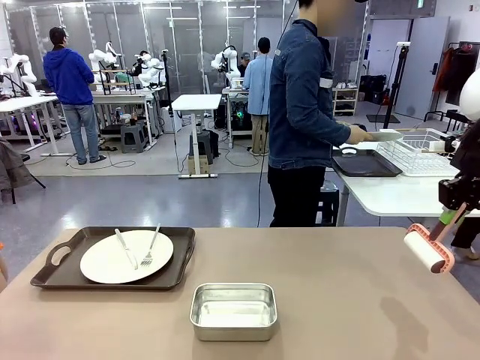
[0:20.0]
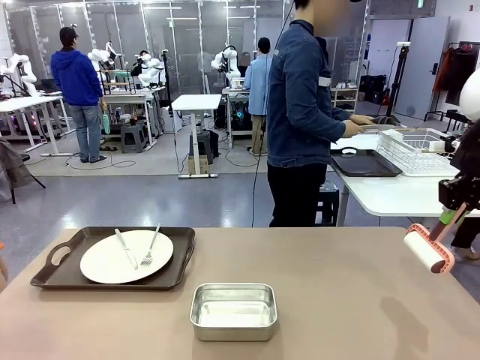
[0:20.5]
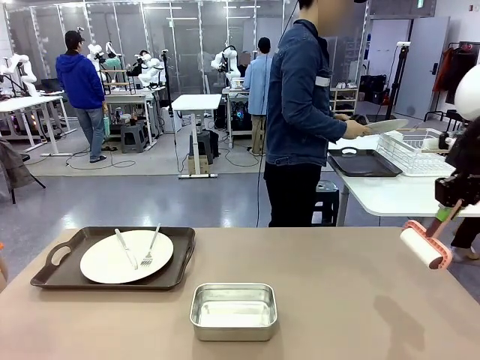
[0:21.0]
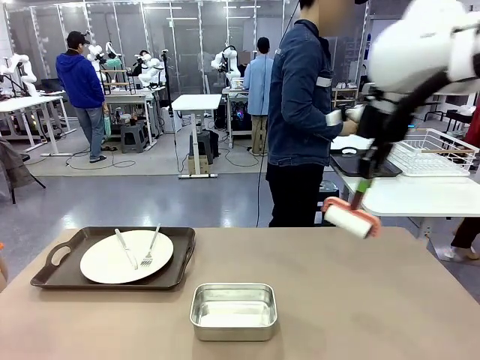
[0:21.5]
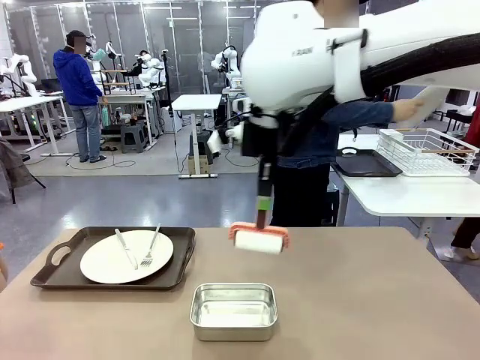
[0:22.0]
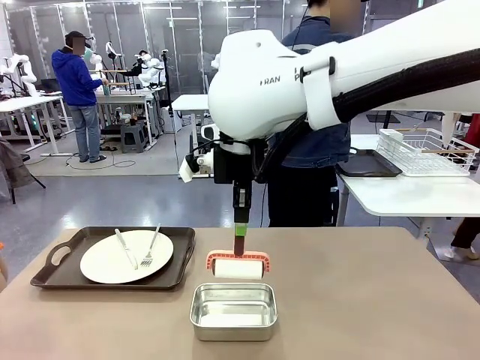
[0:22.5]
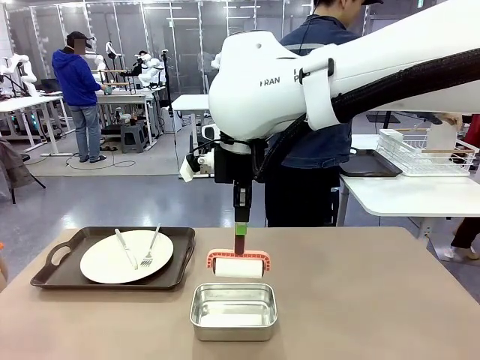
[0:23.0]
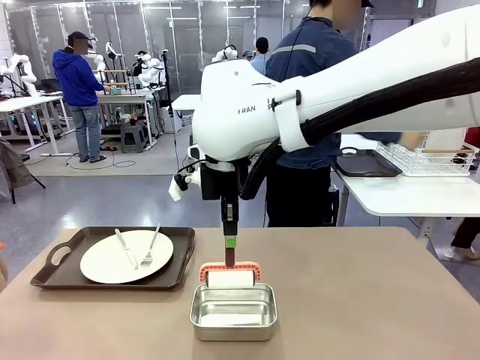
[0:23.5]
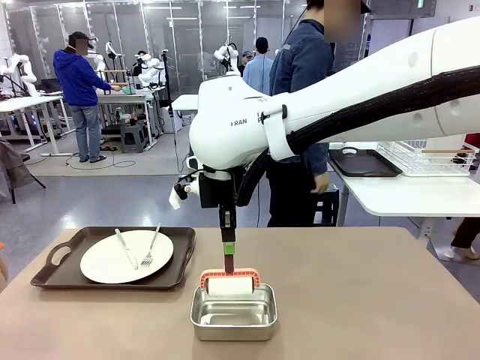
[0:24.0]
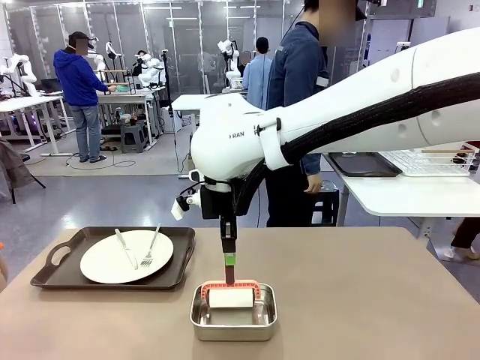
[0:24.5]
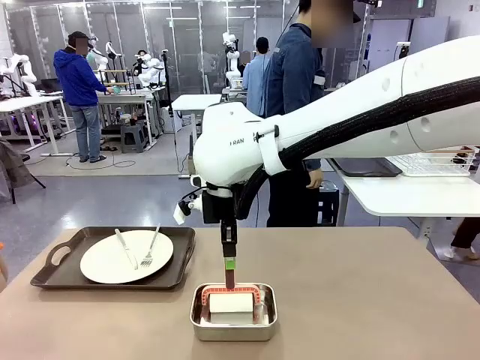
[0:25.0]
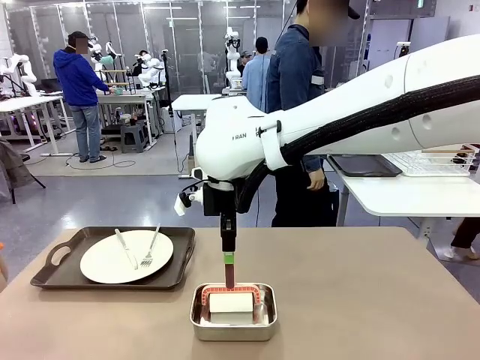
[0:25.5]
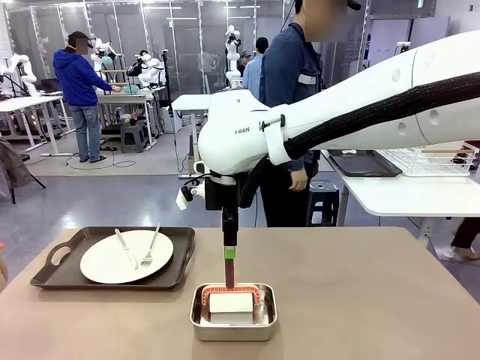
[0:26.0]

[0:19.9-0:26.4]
Robot: Place the Lint Roller back on top of the Airtight Container.

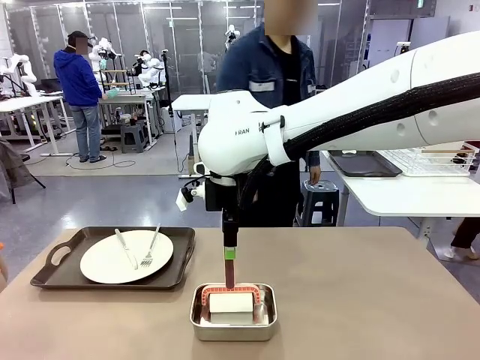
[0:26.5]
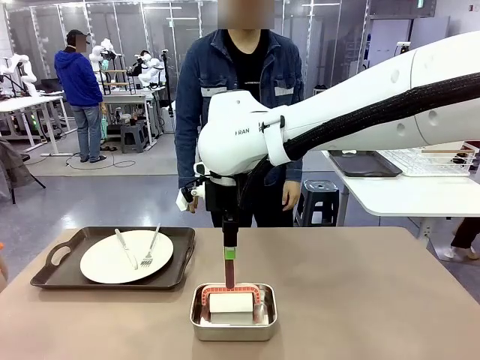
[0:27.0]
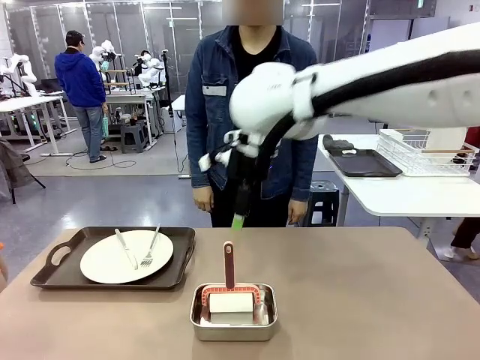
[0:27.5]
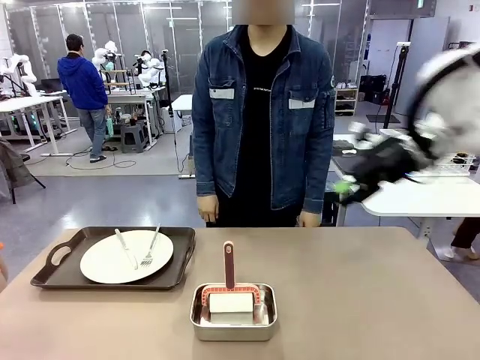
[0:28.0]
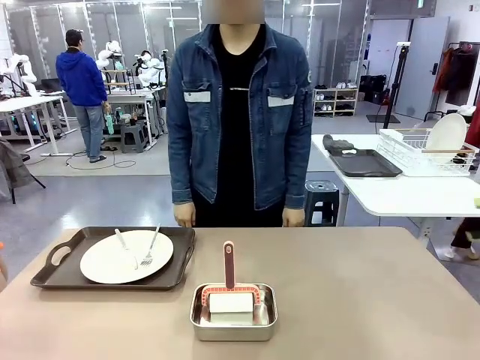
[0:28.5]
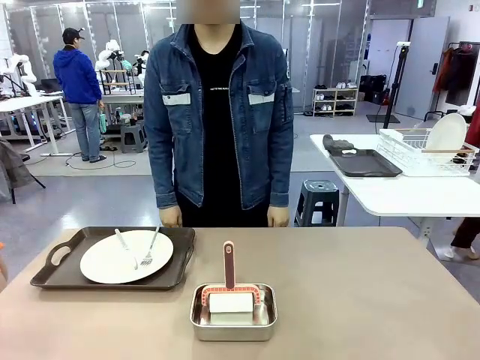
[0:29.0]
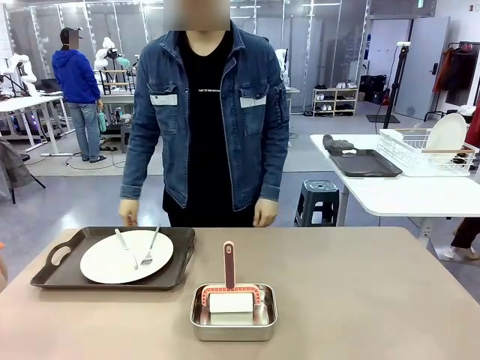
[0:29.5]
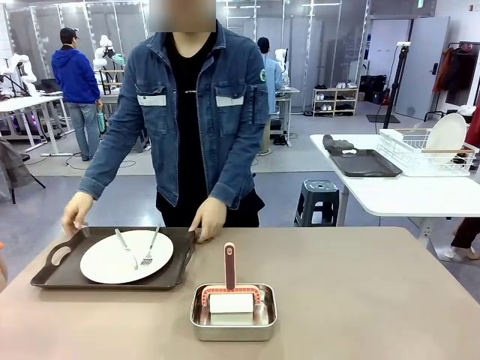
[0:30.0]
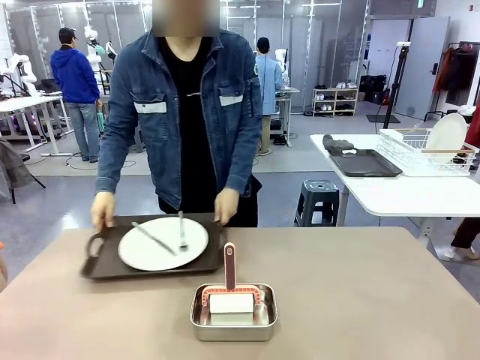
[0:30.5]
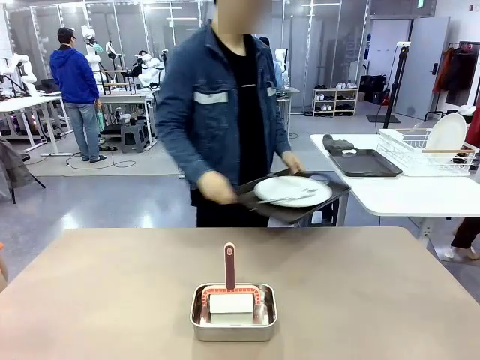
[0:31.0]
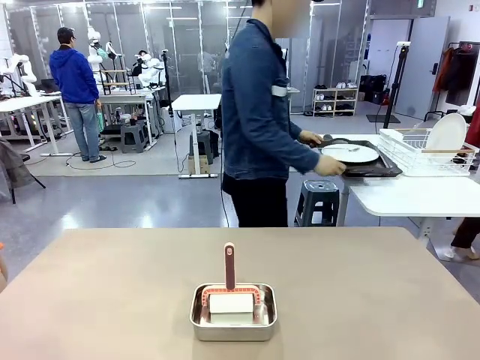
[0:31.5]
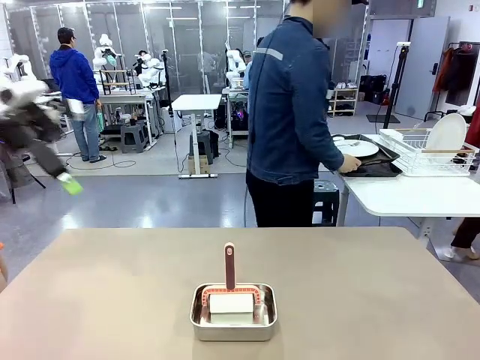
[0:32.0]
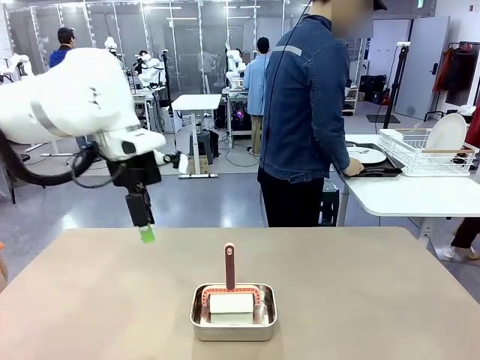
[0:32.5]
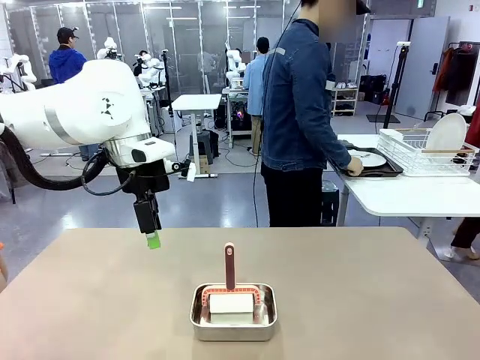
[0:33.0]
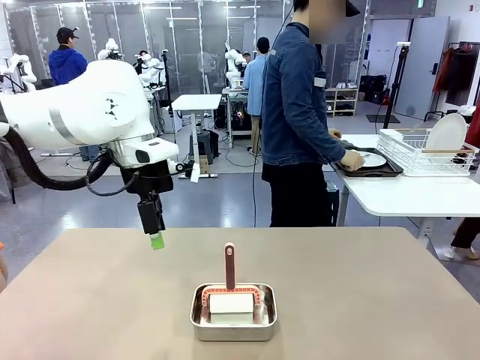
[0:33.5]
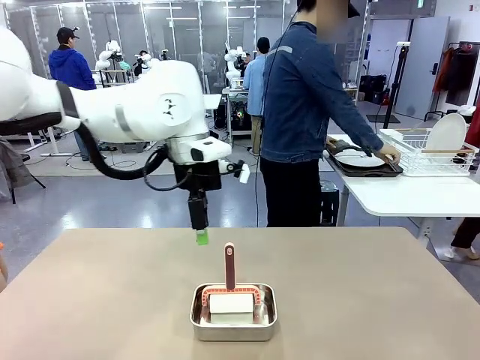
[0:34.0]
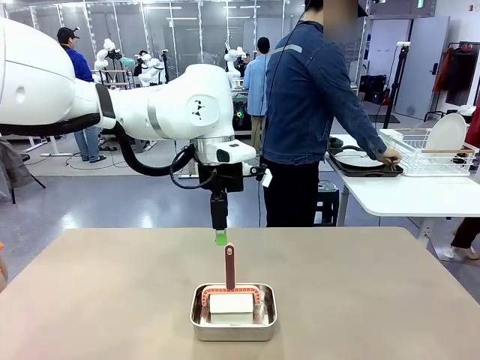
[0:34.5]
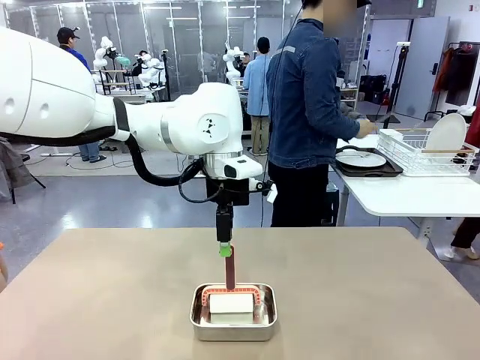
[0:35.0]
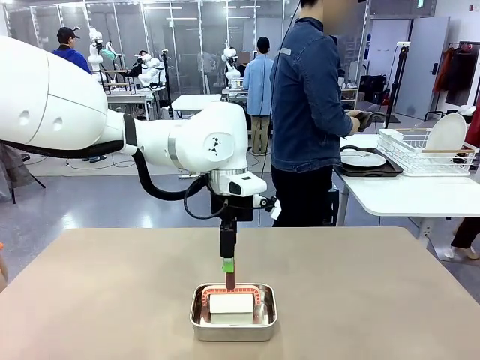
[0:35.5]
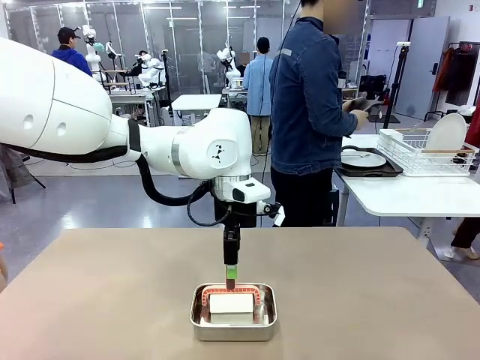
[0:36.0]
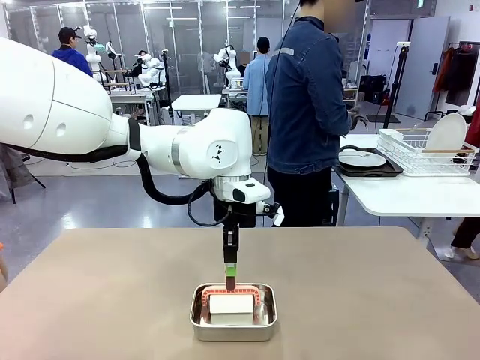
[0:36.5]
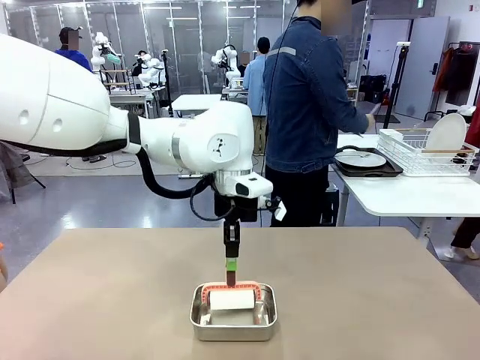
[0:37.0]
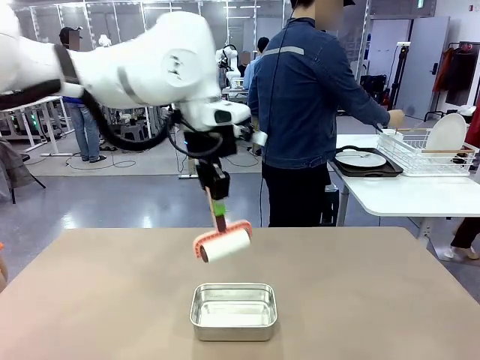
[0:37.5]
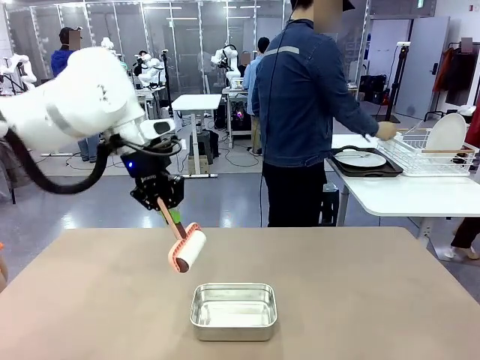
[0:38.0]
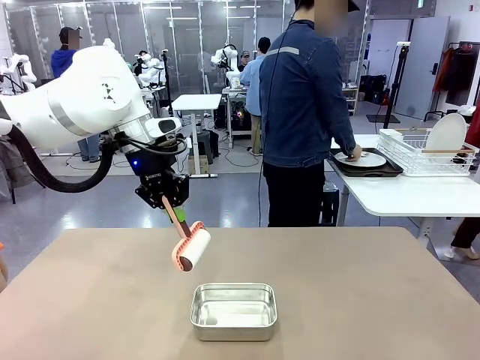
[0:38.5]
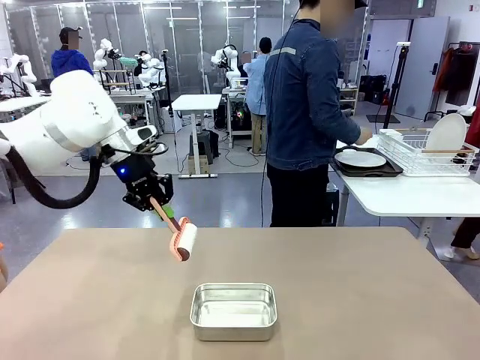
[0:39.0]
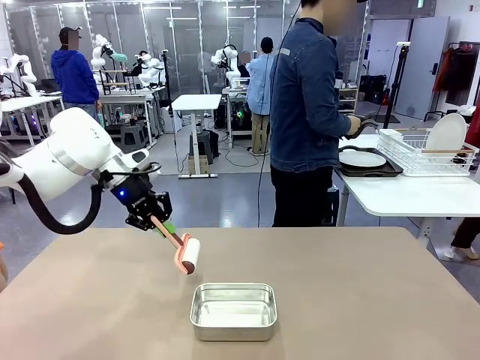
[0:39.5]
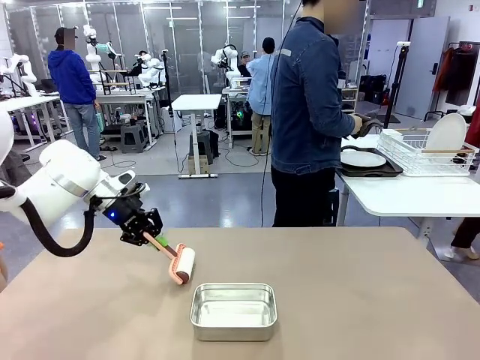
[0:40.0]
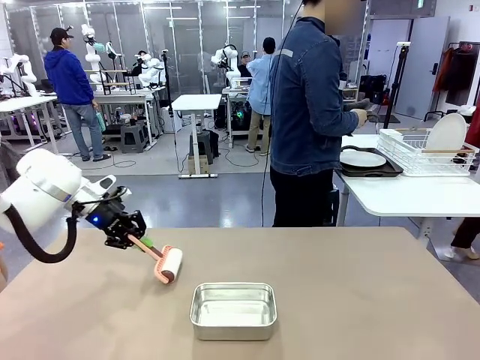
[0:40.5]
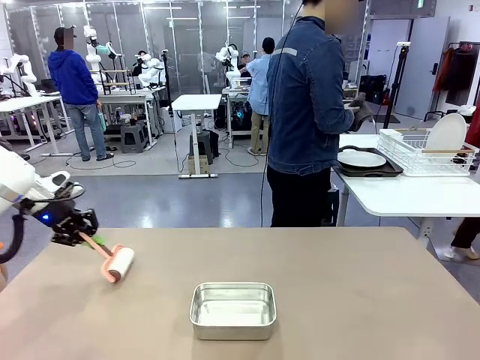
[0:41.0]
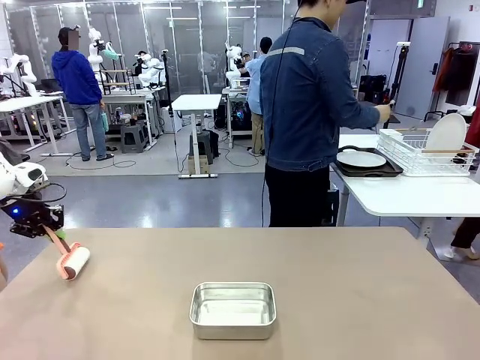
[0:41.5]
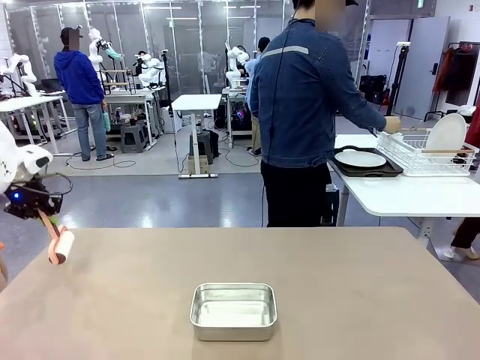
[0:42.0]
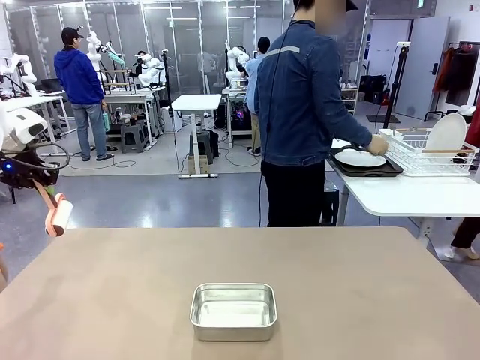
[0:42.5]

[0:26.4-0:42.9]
Robot: When the right (or left) Handle tray is removed, use the right hand (or left hand) to clean the right (or left) side of the table with the Lint Roller.
Person: Pick up the left (or right) Handle tray and place it on the Handle tray. Use the Towel with hook to wipe the Plastic Matte Plate , Fork , and Knife and place into the Dish drying rack.
